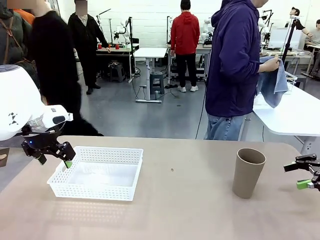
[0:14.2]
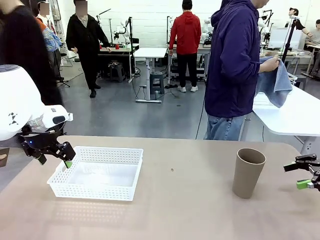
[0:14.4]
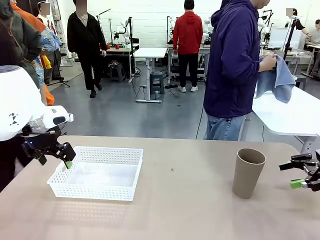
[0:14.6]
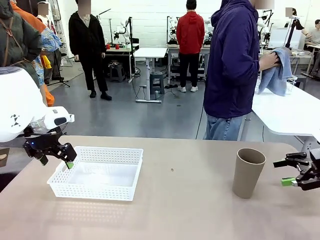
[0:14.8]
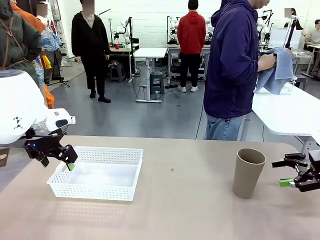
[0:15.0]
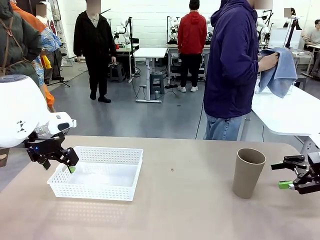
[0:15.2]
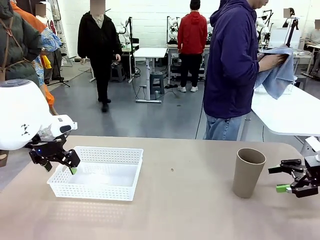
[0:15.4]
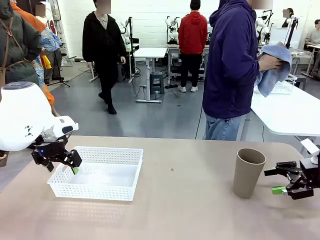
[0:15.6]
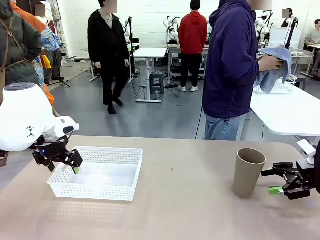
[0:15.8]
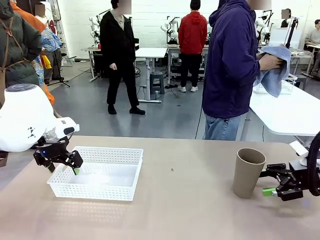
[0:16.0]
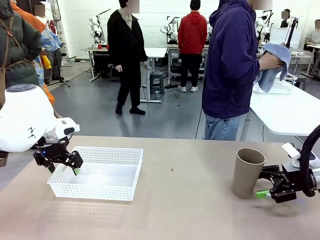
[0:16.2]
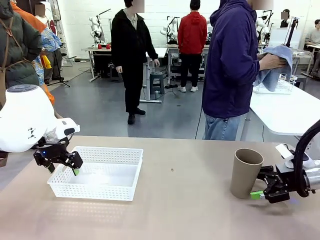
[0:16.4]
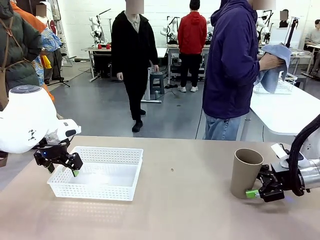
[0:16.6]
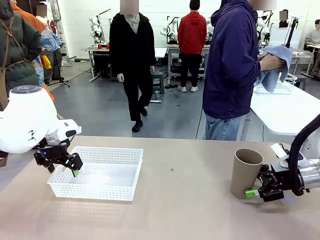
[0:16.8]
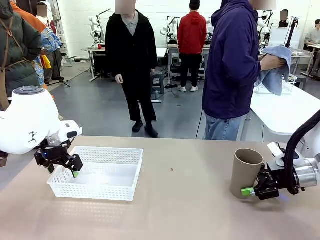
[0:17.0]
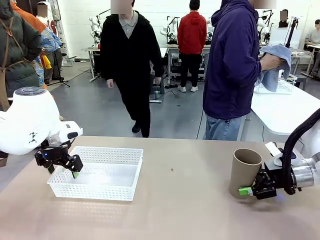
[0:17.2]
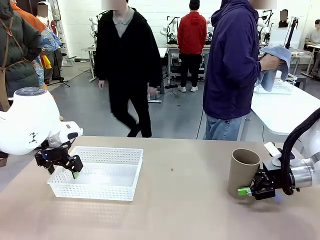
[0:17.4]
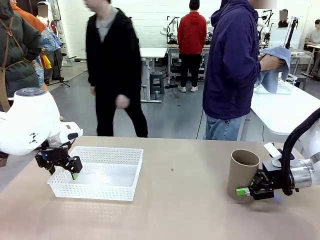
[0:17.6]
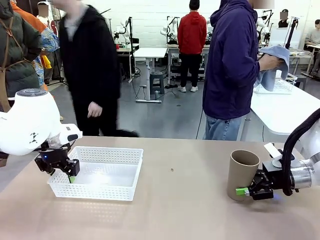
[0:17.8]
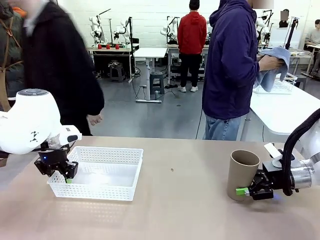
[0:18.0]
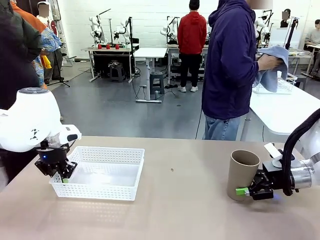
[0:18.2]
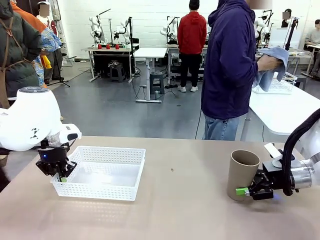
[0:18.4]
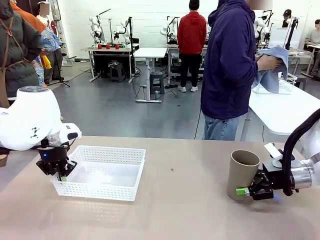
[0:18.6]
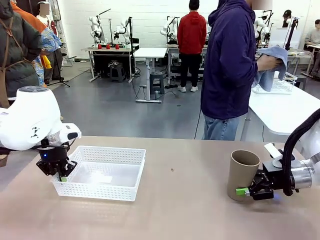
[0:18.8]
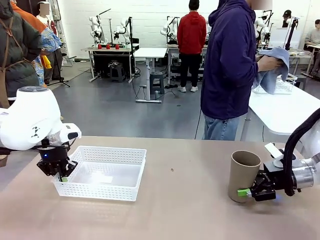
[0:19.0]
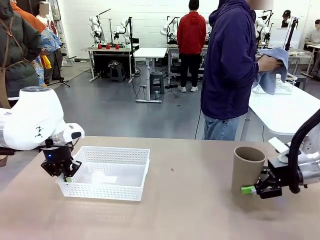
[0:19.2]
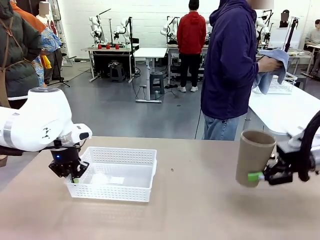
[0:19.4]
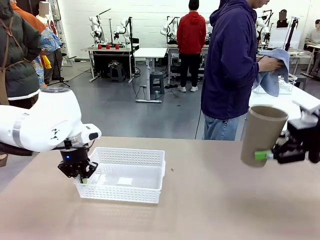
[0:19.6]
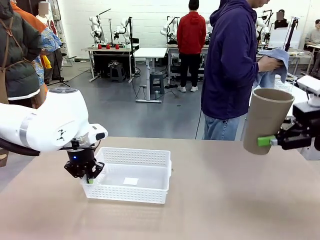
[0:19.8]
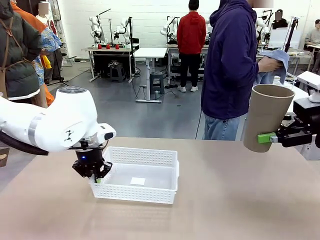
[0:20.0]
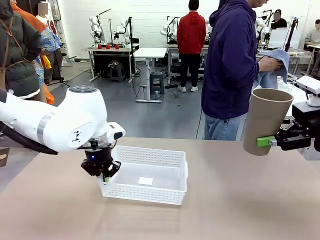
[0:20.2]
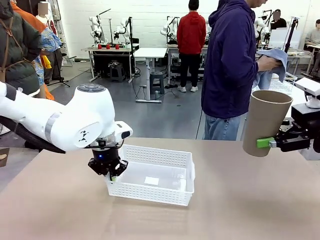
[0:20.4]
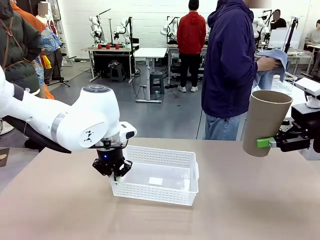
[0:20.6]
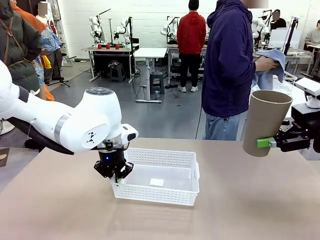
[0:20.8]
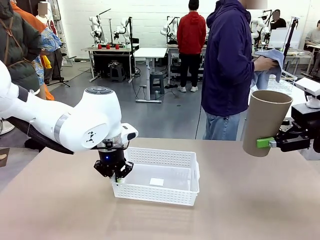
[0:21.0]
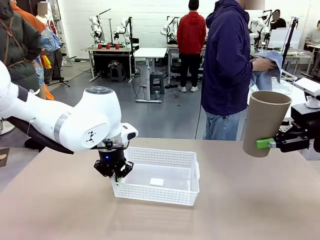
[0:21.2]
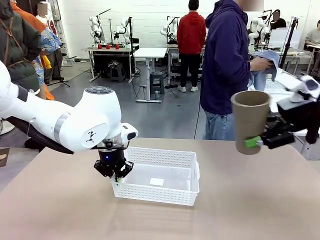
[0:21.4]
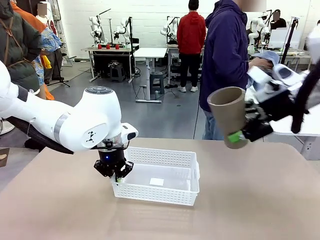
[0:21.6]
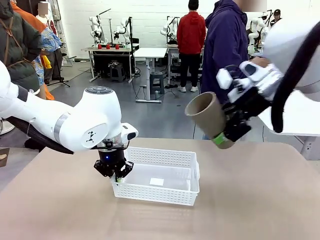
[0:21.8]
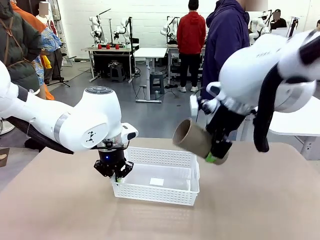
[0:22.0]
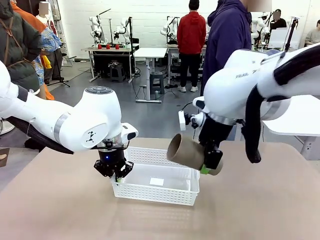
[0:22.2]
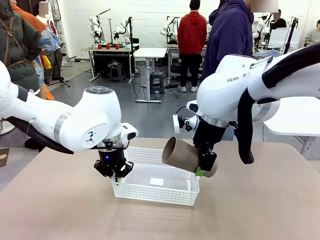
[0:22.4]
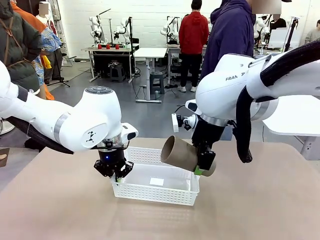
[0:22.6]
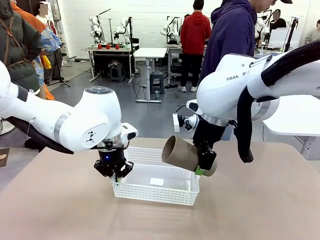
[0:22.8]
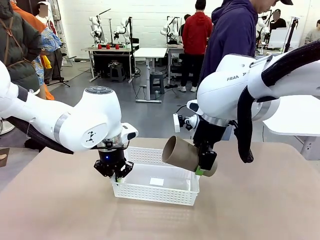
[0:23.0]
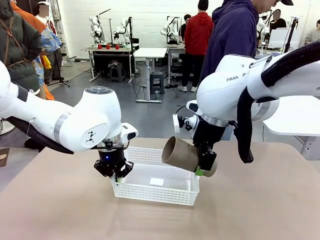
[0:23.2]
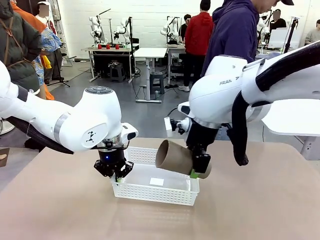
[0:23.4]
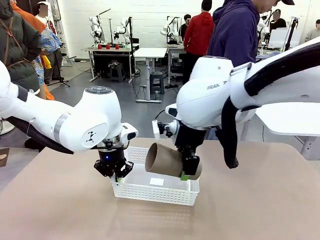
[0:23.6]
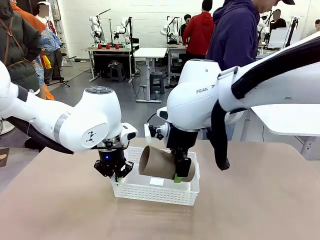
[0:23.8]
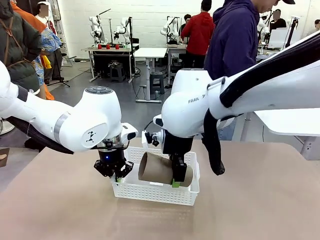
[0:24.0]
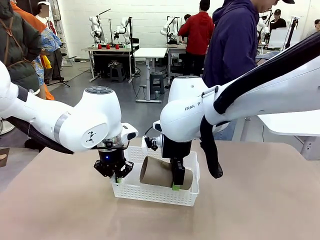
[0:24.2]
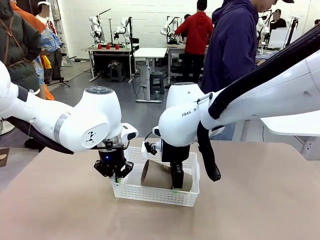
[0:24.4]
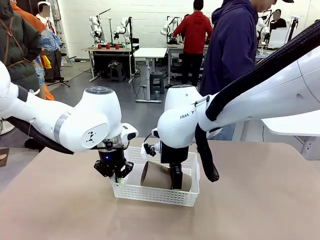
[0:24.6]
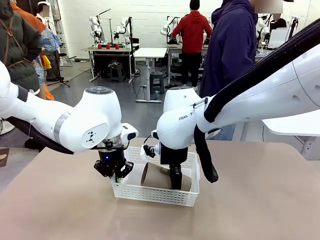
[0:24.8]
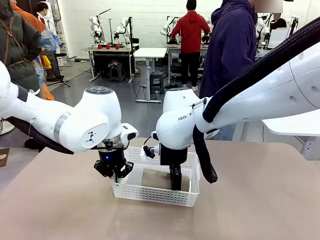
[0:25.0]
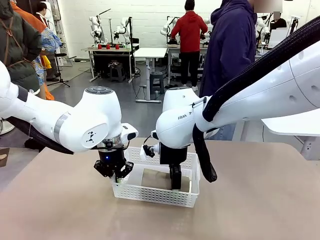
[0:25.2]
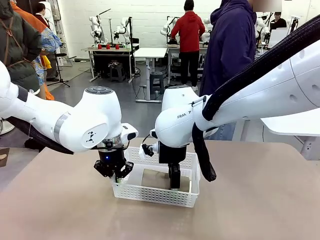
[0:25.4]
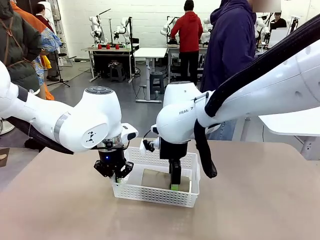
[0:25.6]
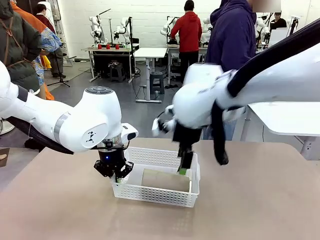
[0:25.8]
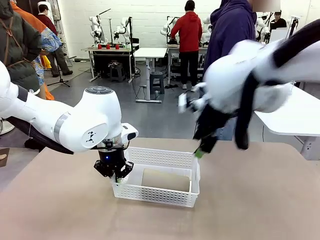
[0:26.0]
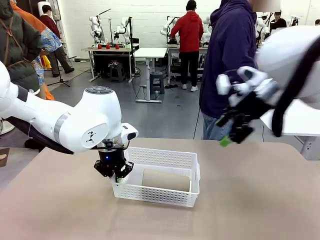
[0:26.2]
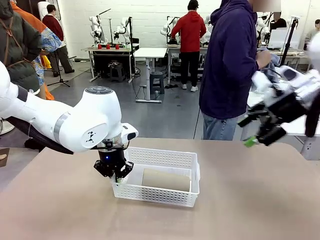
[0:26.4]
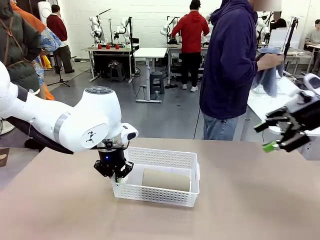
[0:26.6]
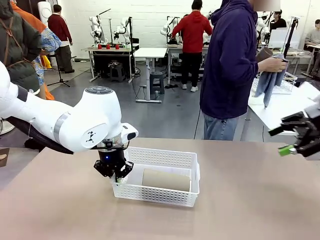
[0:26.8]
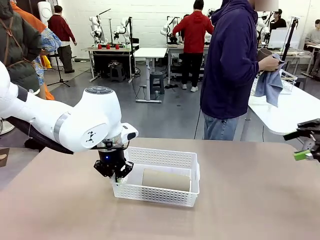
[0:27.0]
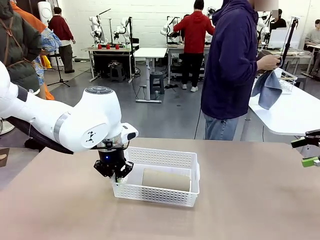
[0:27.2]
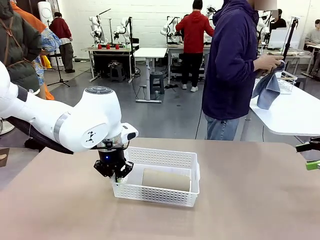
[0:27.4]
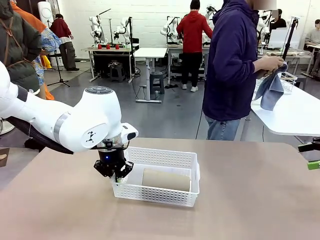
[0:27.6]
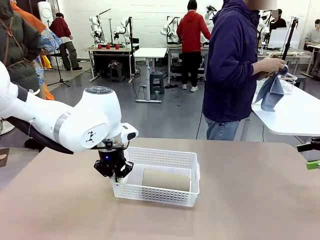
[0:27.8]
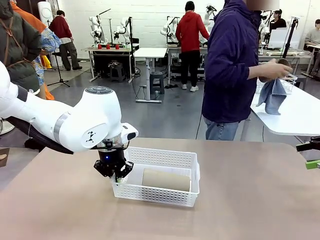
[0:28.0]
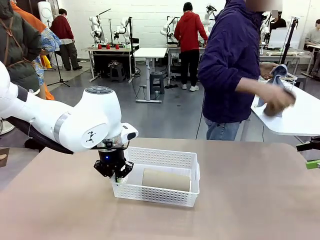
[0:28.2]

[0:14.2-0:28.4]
Task: Clean and organize the cups into the basket.
Robot: Pick up the Organizing basket and move it to the center of the table, then pick up the Reusable plastic cup from the right side of the table and place it inside the Organizing basket.
